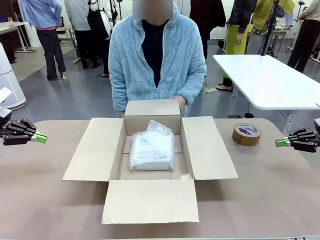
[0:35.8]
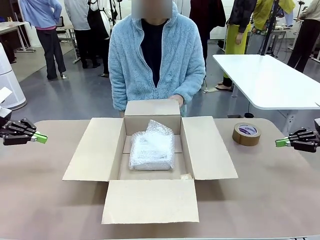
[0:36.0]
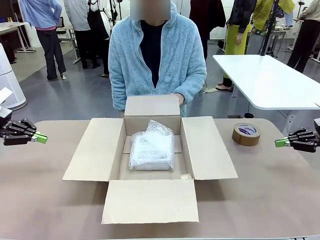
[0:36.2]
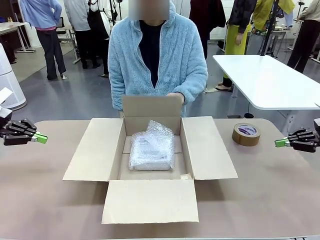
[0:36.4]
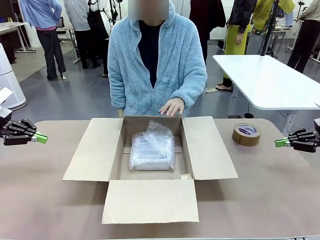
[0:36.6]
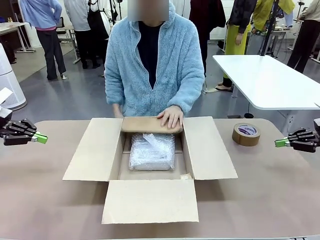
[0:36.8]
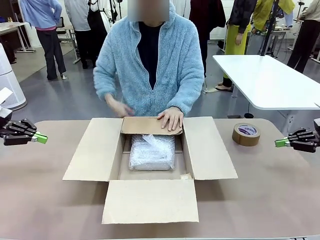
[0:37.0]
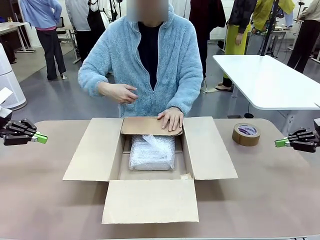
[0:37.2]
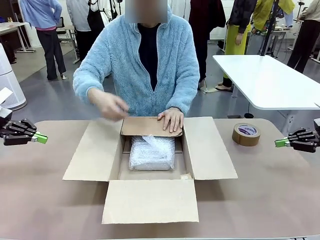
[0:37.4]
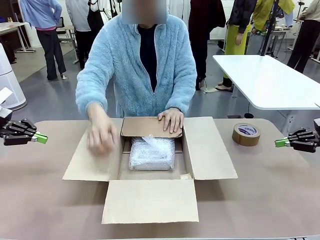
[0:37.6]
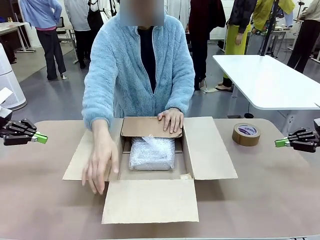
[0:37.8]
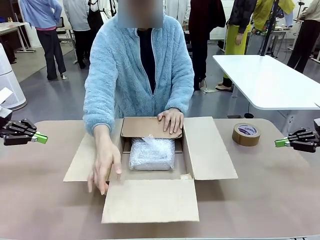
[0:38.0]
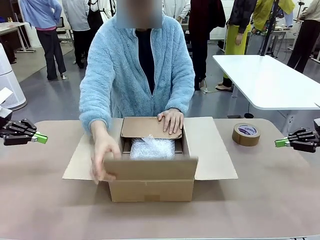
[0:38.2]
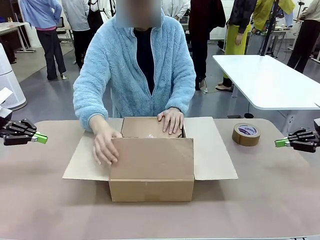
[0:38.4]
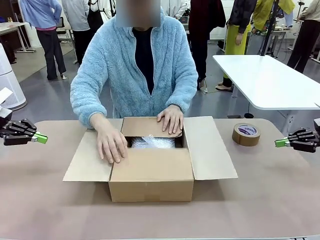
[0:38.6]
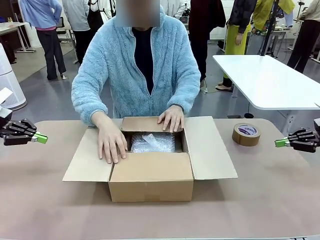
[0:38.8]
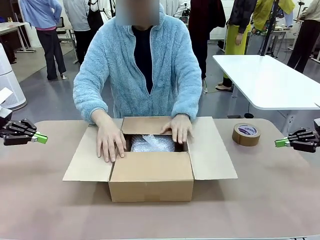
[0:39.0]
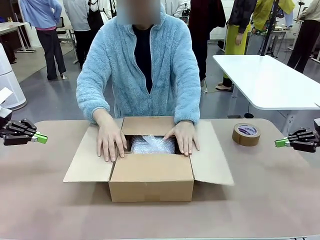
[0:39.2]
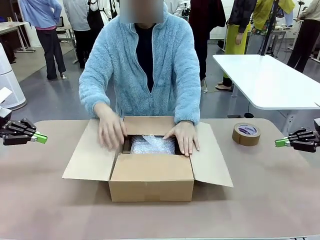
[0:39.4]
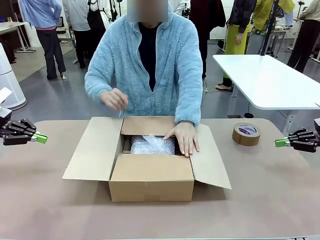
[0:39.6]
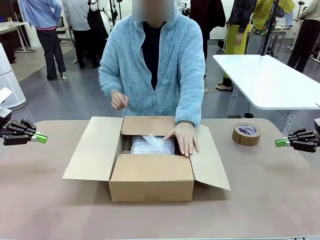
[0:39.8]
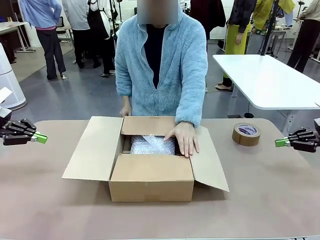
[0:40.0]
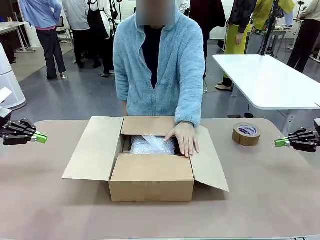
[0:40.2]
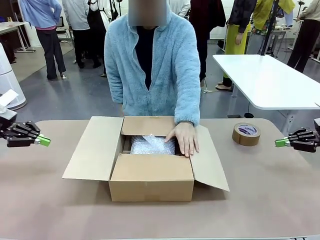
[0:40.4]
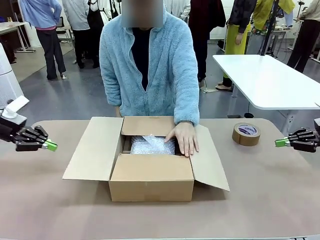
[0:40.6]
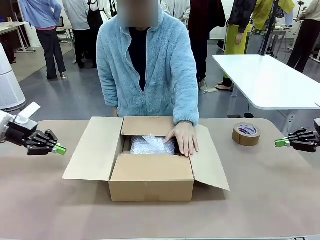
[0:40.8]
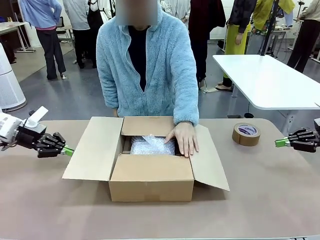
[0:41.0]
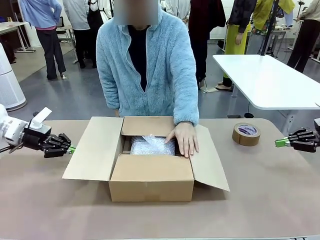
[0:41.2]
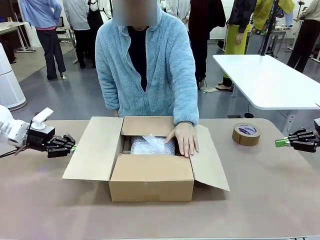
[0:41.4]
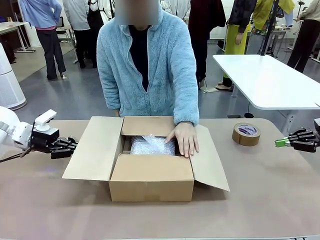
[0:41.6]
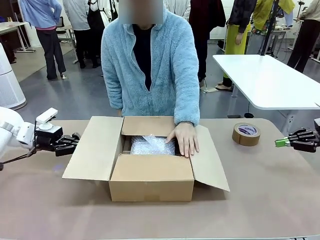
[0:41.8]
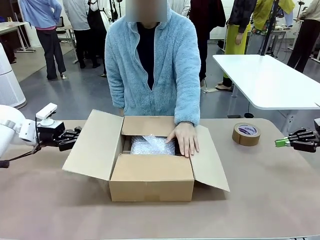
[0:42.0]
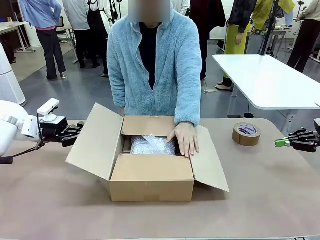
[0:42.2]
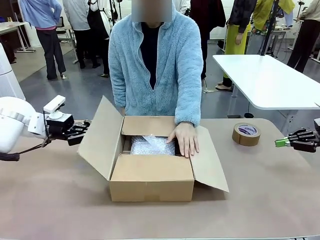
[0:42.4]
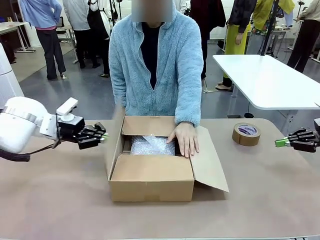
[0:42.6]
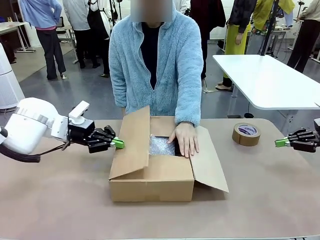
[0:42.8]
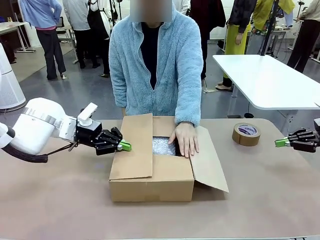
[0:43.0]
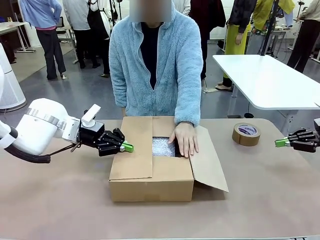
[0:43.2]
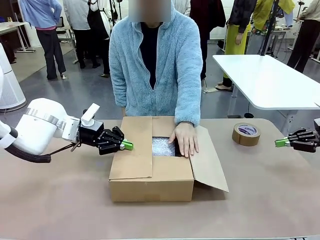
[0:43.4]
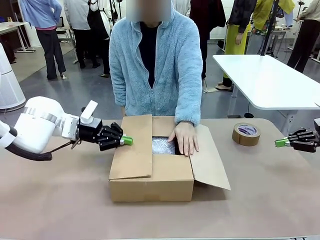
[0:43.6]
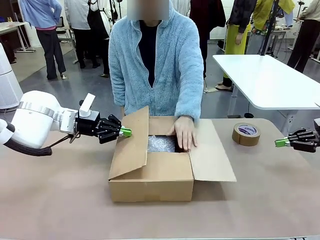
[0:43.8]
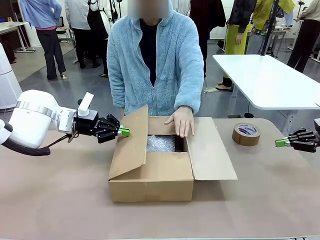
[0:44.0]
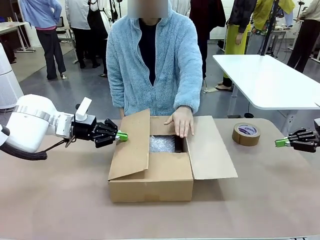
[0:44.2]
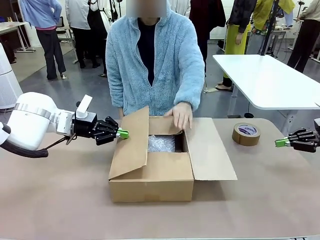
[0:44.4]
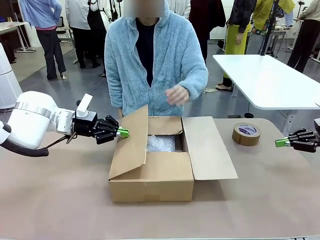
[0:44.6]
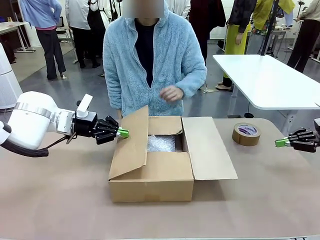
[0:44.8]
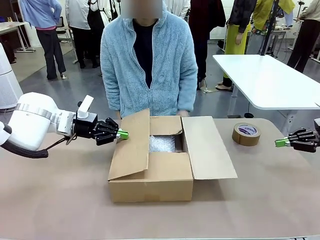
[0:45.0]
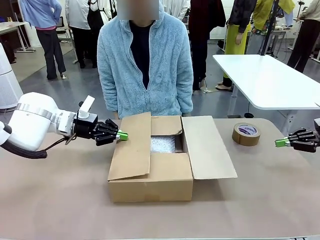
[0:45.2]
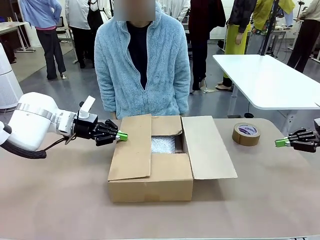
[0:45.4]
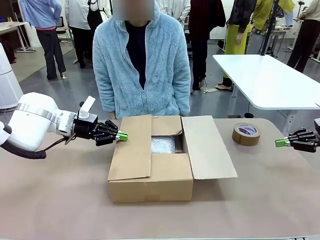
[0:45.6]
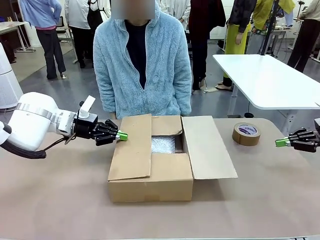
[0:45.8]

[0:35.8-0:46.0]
Task: Wrap the clocks to prevent damage.
Robot: Push the right (or left) flap of the Package Box to close it.
Person: Hold the top and bottom flaps of the Package Box closed with your left (or right) hand. Once the robot closes the right flap of the Package Box , release your left hand from the box.

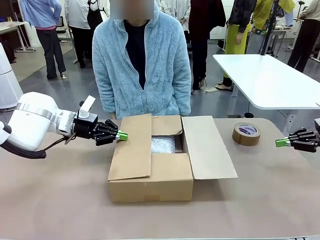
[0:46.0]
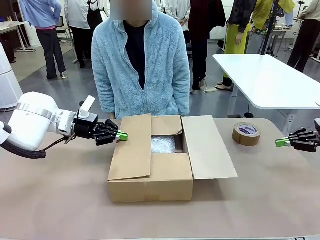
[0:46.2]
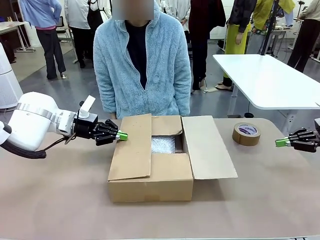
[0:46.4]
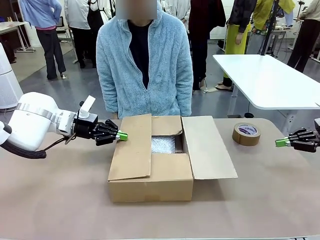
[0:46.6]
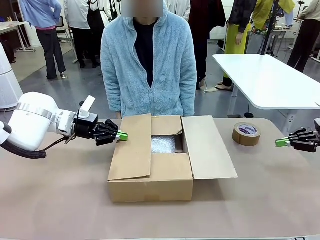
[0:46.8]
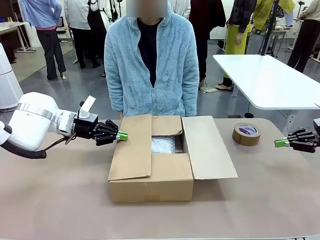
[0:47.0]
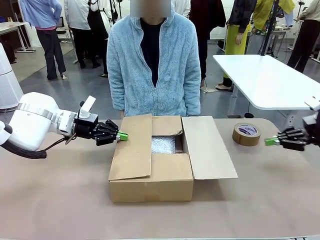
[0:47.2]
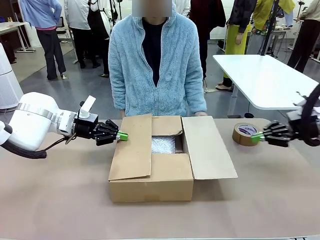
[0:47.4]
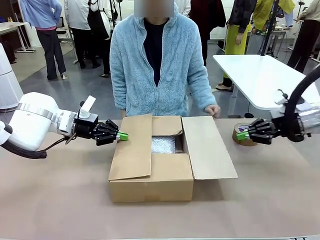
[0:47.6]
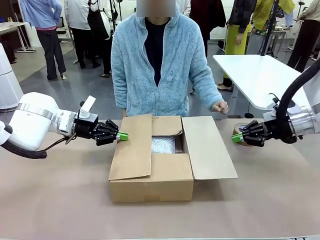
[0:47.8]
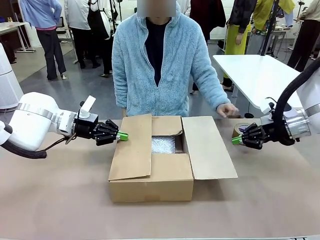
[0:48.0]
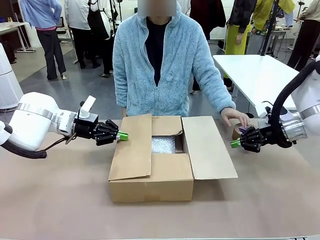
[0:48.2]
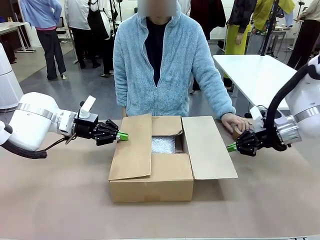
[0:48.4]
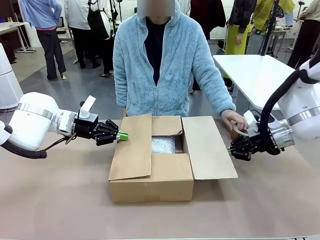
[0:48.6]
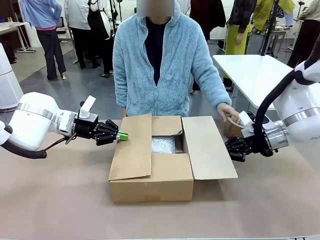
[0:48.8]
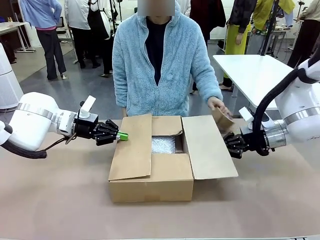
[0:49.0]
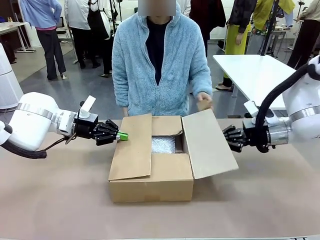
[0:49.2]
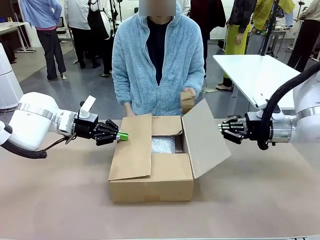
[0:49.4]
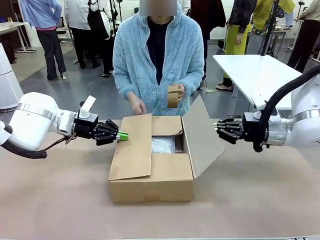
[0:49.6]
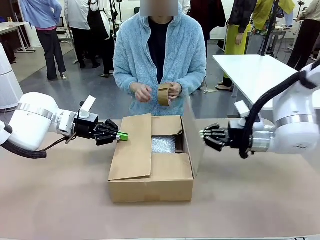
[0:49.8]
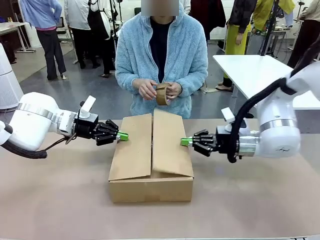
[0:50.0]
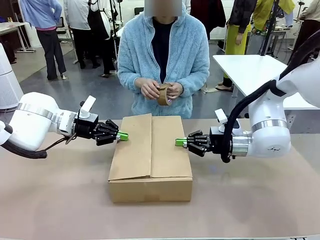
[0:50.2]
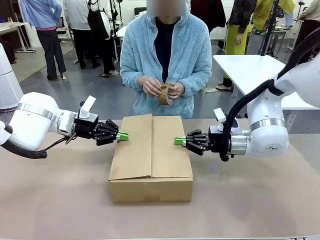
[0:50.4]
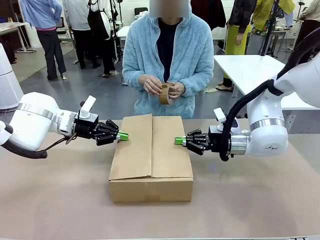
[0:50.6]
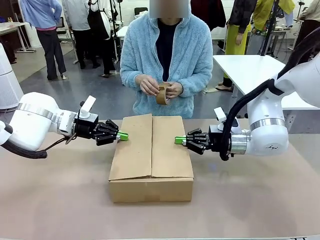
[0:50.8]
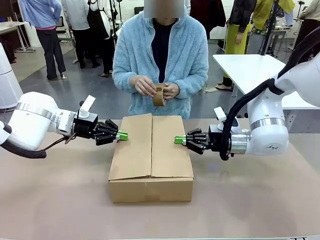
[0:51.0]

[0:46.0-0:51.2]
Robot: Push the left (or right) flap of the Package Box to close it.

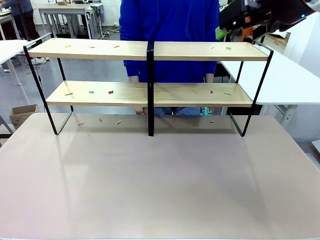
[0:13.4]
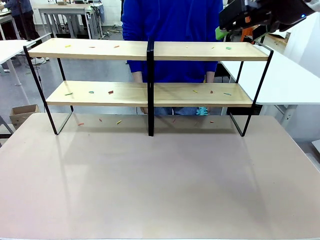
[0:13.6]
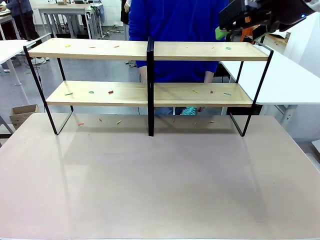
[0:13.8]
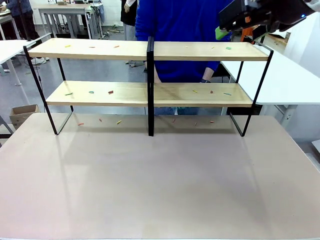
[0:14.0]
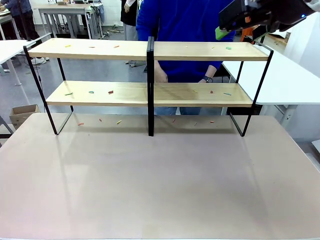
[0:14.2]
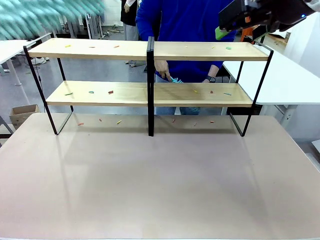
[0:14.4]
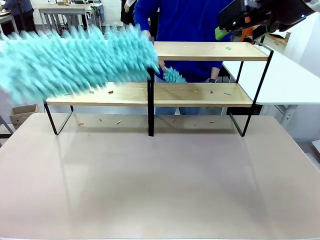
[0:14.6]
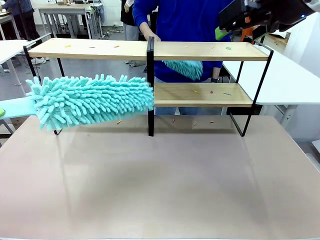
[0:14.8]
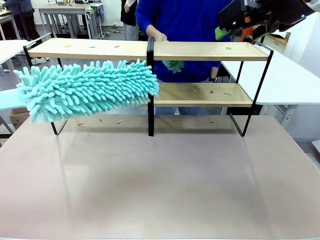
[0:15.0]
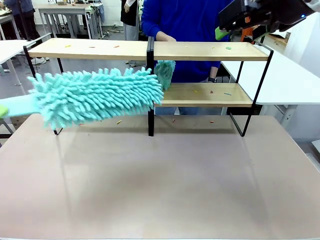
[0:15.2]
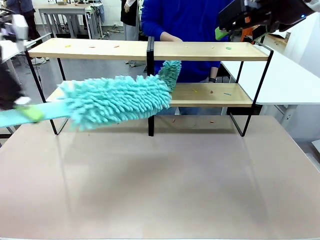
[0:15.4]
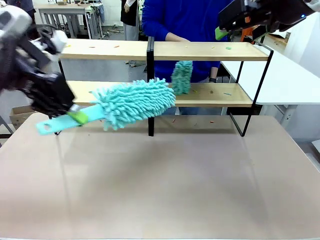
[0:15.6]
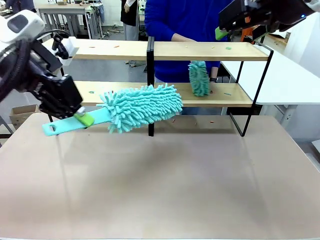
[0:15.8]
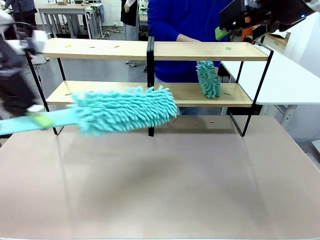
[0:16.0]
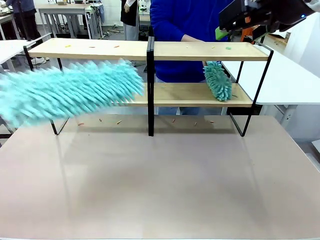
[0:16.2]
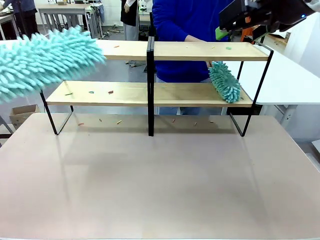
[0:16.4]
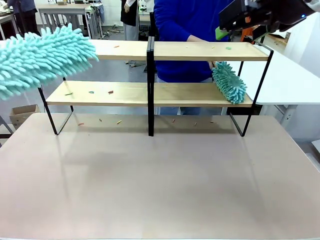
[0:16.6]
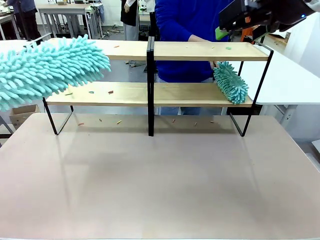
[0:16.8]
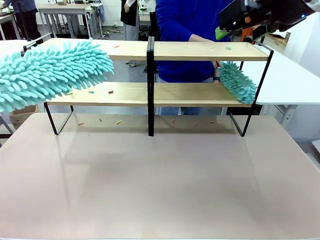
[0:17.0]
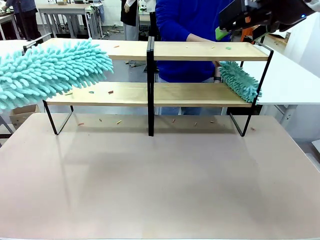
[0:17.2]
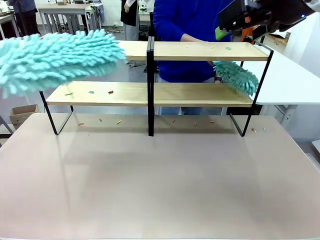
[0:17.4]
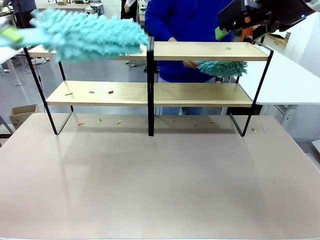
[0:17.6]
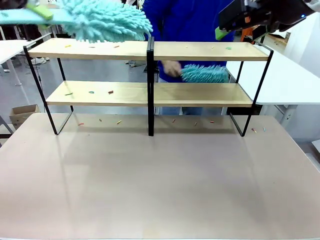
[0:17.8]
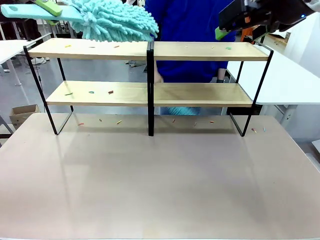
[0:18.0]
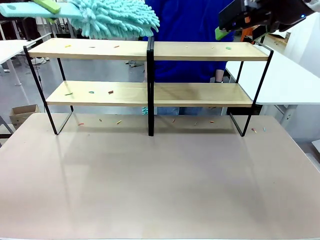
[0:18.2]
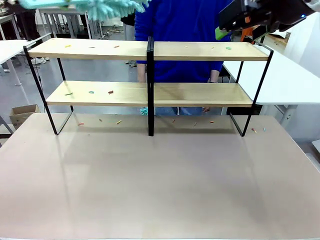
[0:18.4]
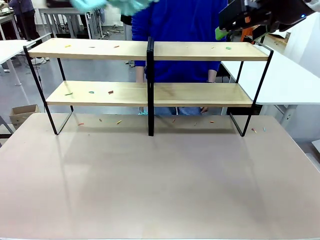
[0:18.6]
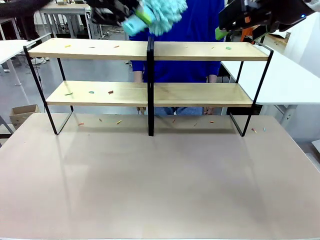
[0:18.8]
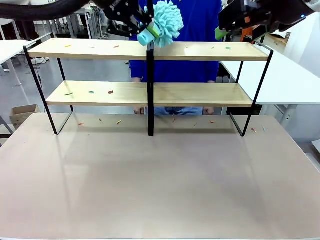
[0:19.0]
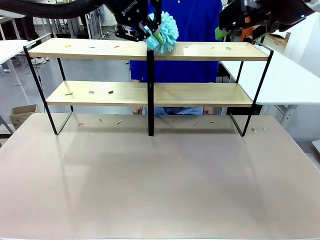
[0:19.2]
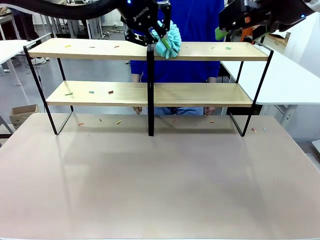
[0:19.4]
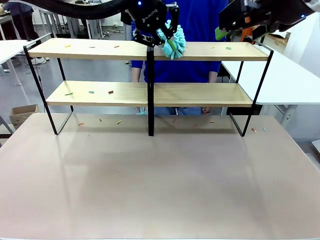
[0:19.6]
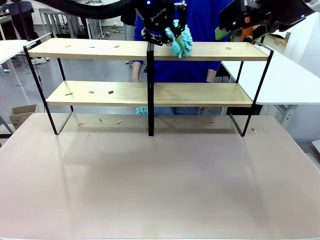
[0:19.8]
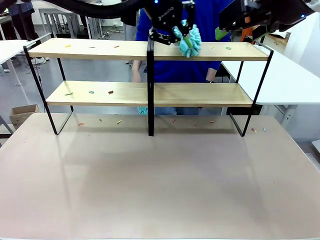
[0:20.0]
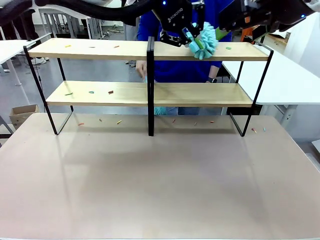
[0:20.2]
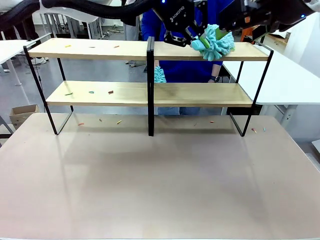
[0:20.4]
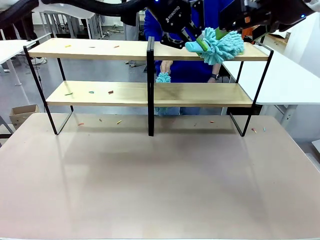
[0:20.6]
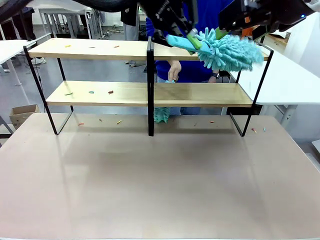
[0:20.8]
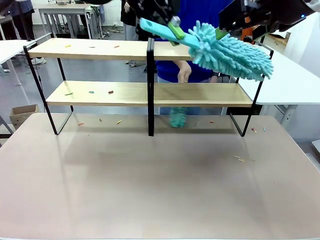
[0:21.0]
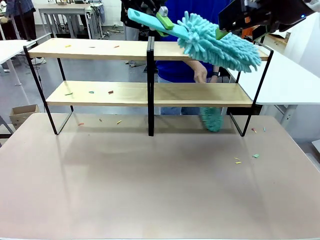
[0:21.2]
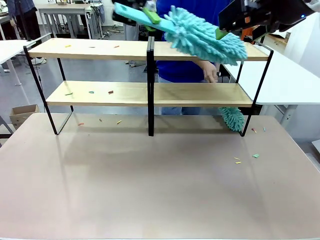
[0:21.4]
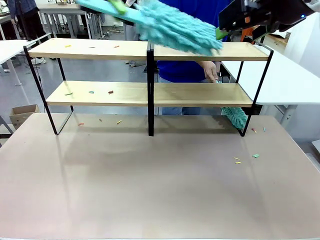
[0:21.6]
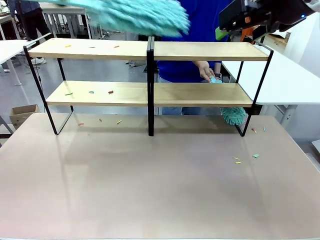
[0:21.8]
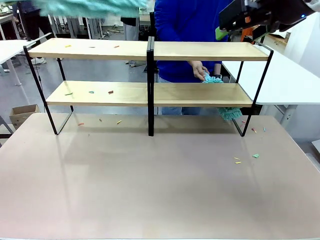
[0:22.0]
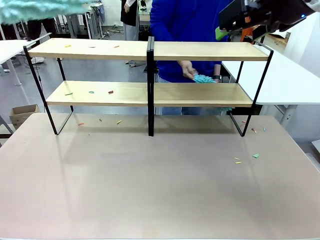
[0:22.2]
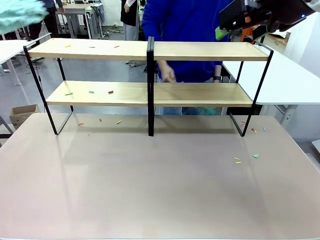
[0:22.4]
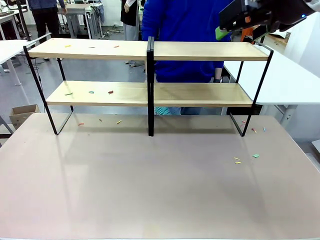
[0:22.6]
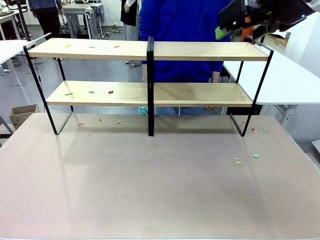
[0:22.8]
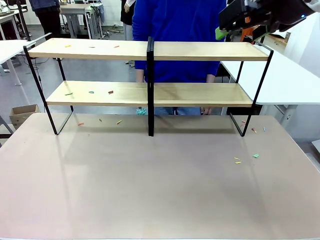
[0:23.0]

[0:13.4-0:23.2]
Task: Clean the shelves.
Robot: Clean a randomly selected level of the Shelf with the Duster.
